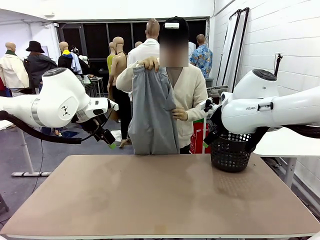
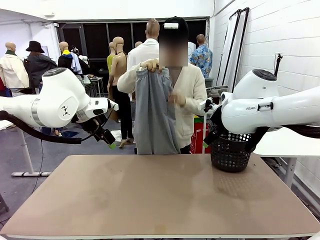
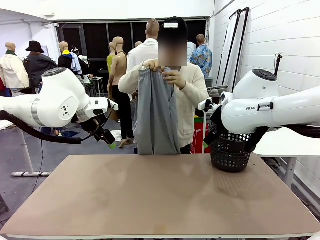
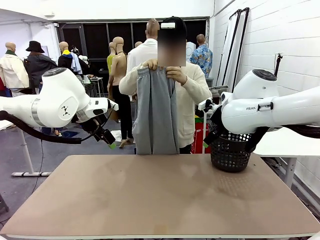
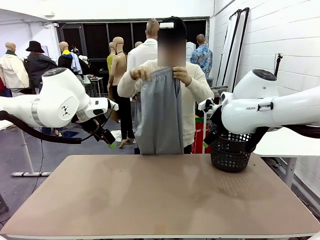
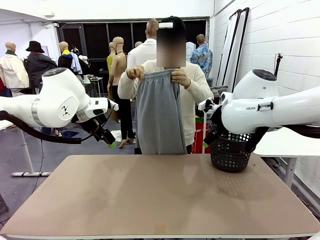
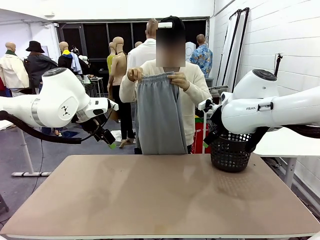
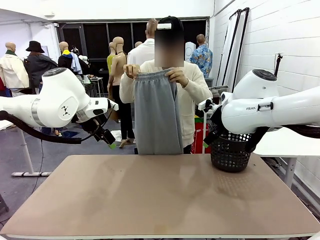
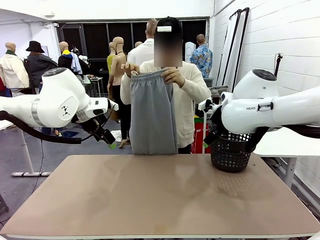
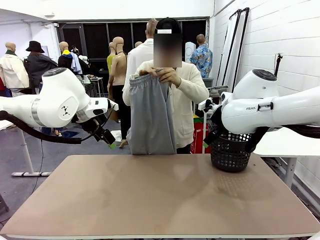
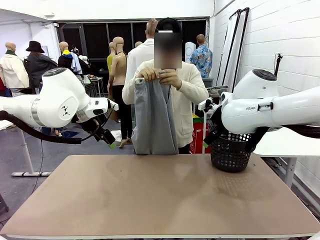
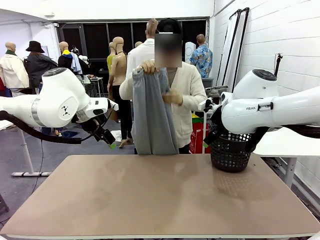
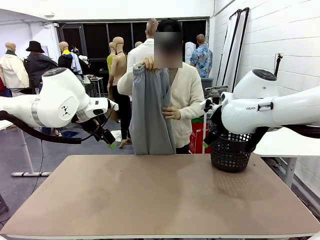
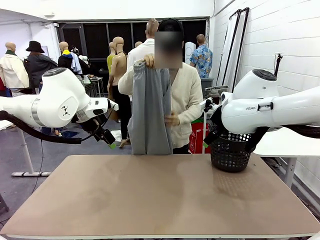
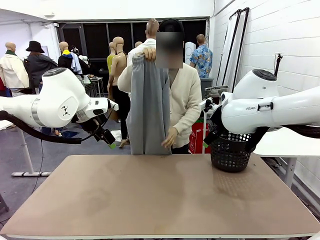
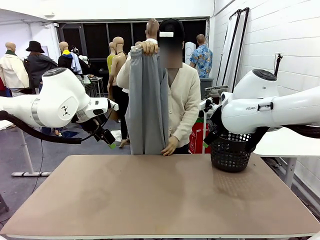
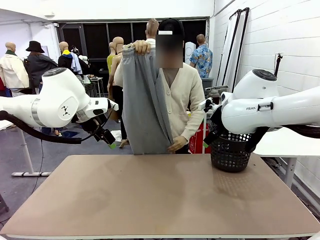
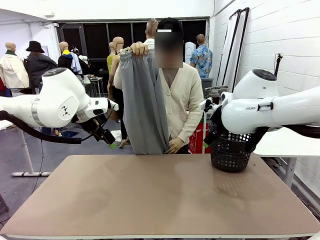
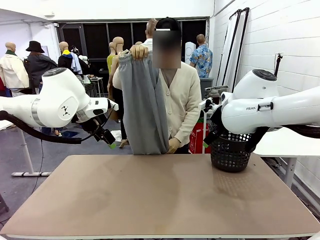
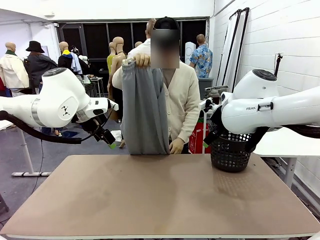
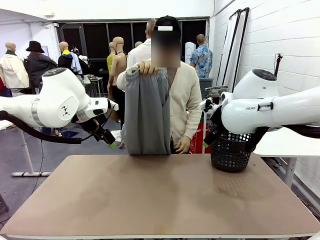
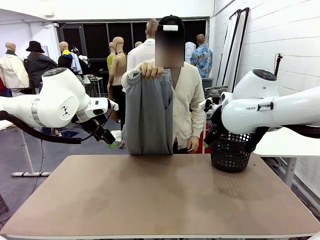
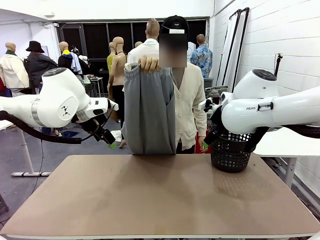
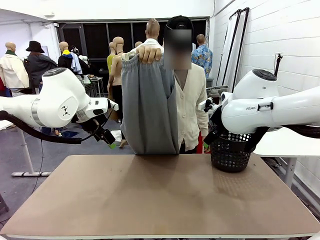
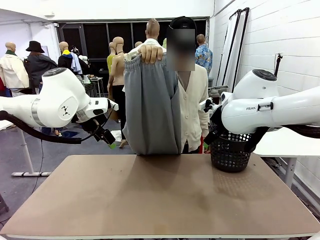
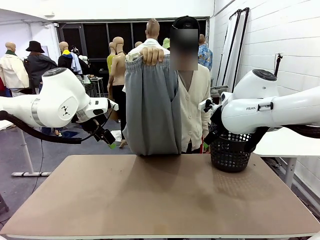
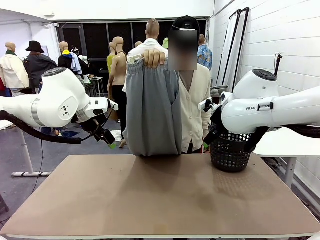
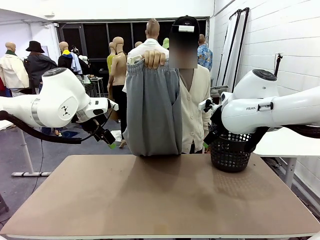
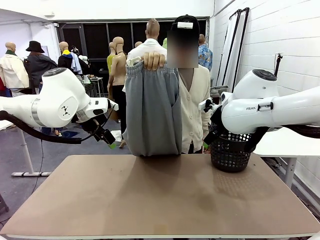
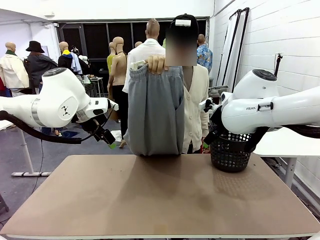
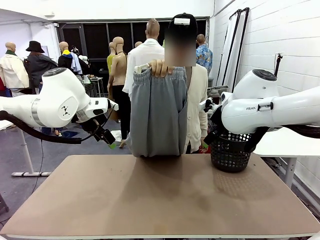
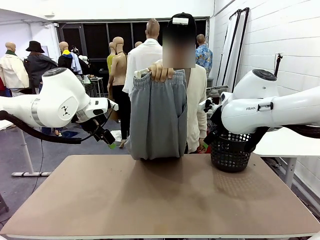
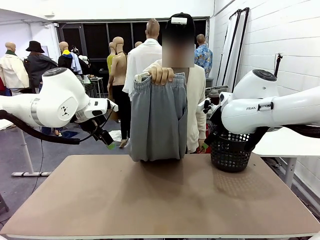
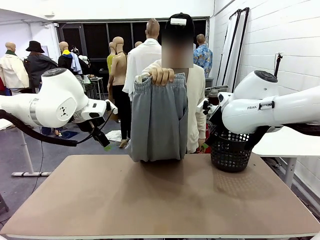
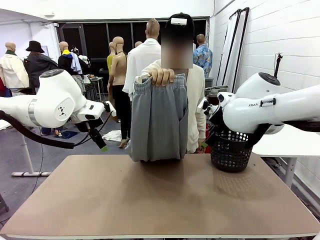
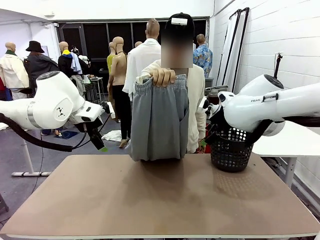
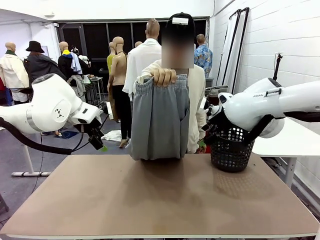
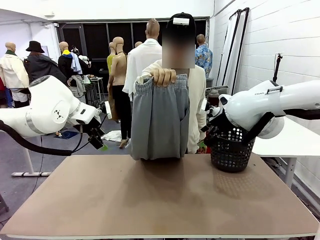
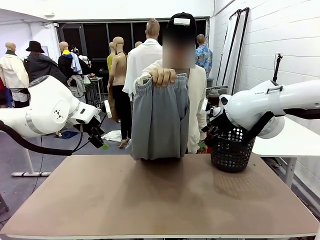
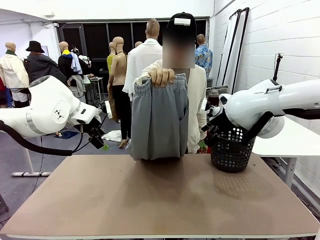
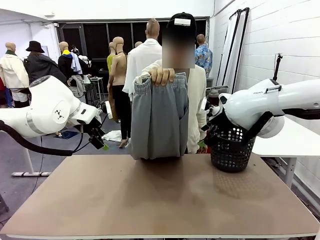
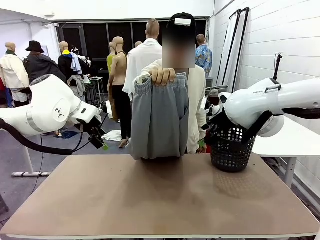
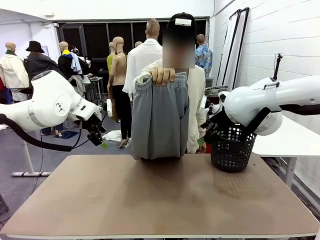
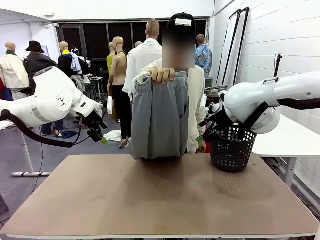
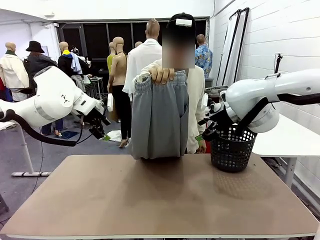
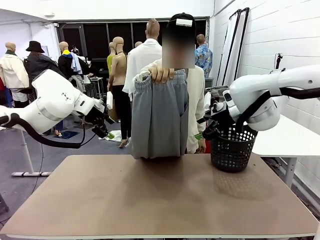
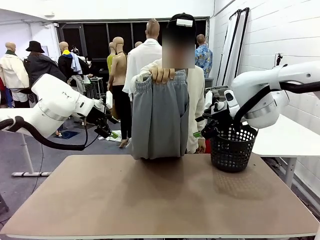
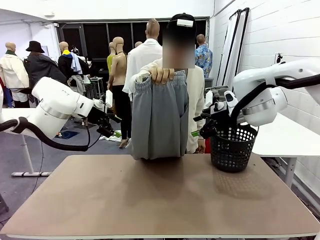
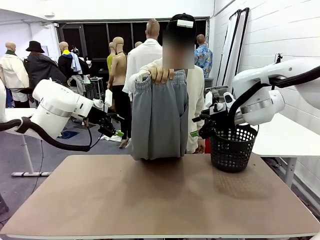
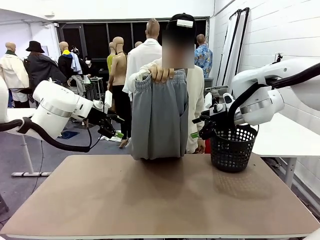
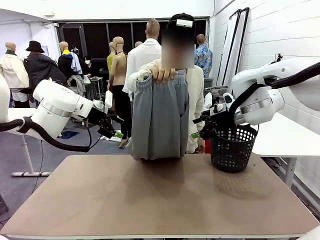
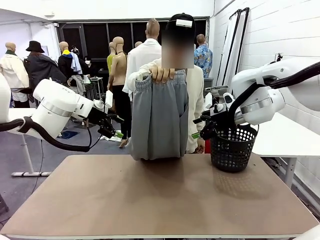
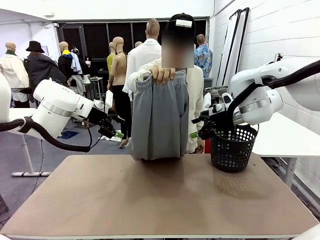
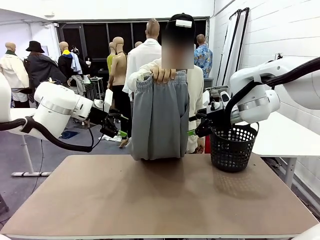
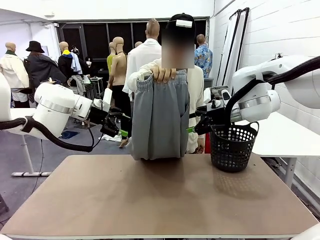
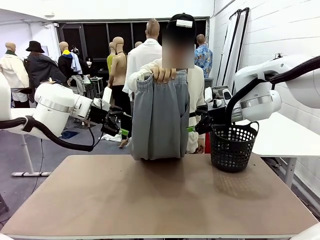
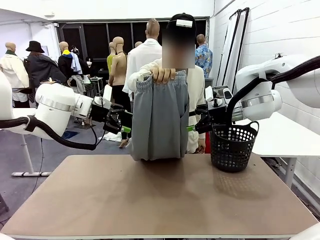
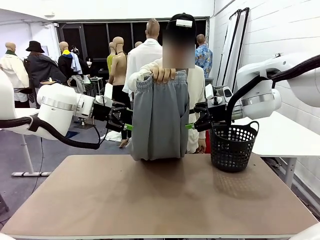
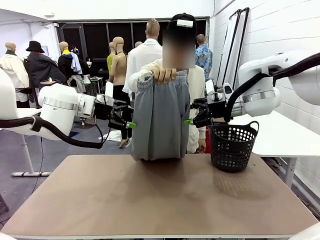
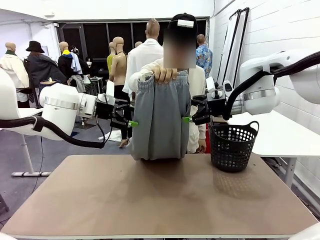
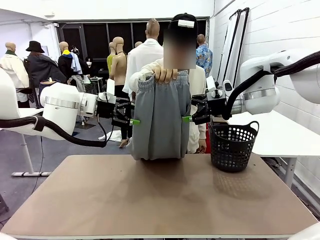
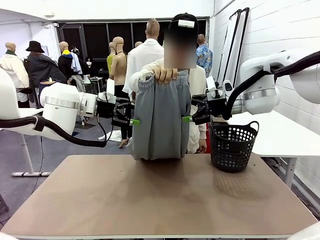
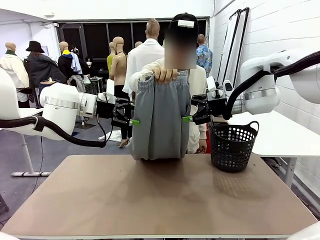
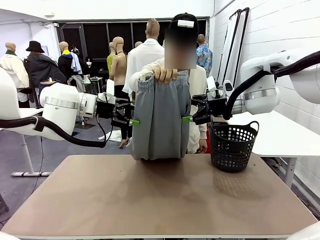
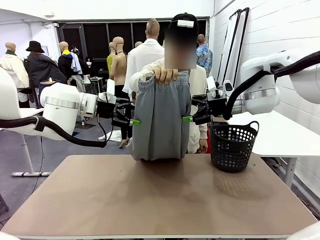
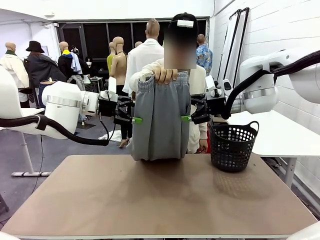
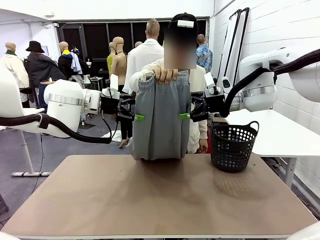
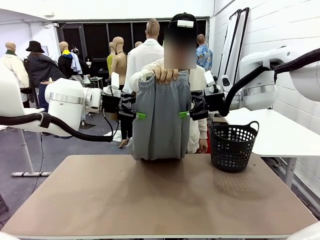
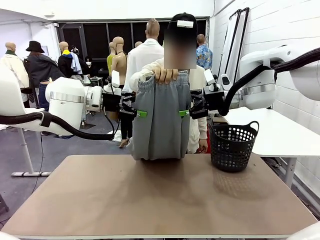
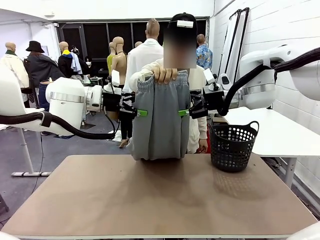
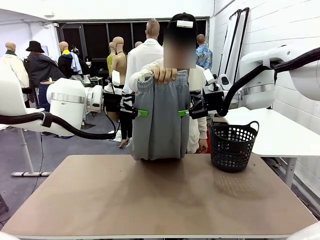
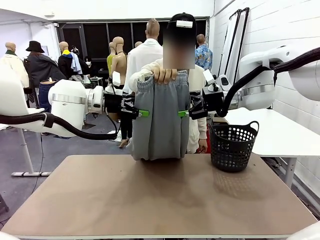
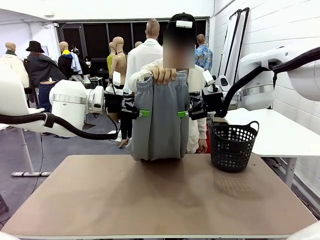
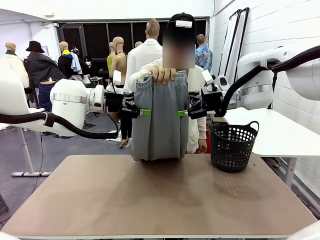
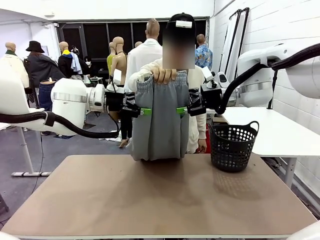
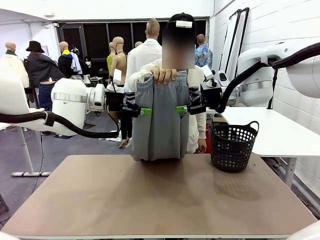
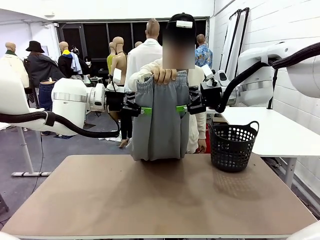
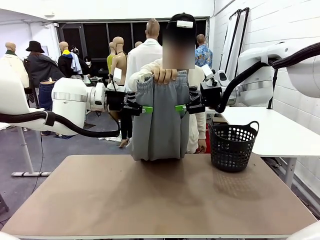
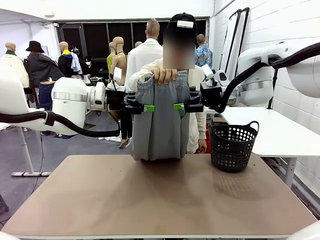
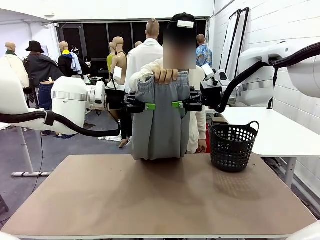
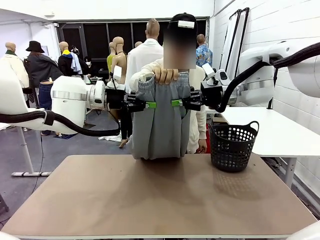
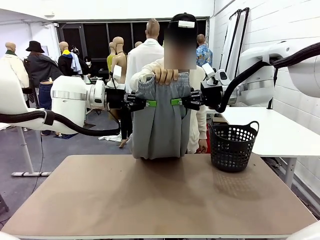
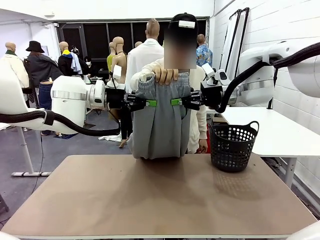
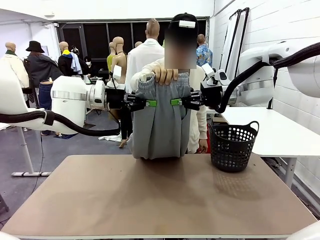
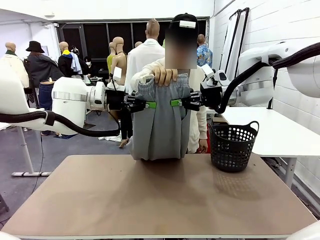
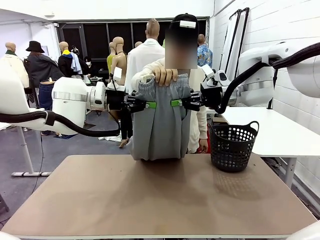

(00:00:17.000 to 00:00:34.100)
Task: Fold the training pants.
Robot: Grab both ends of the Training pants handed by a person.
